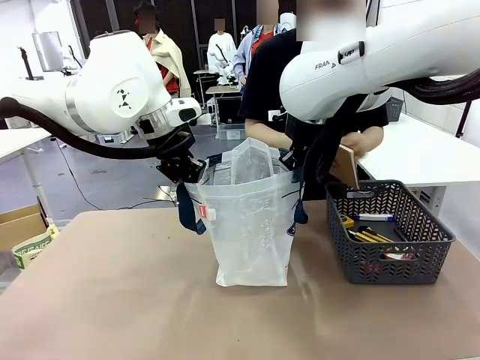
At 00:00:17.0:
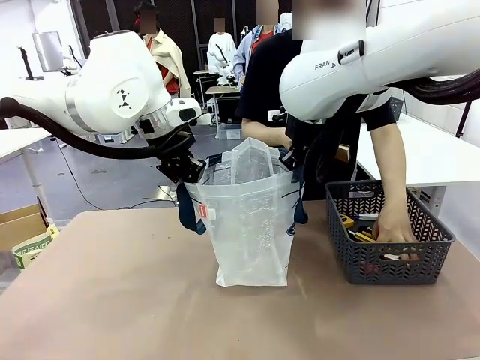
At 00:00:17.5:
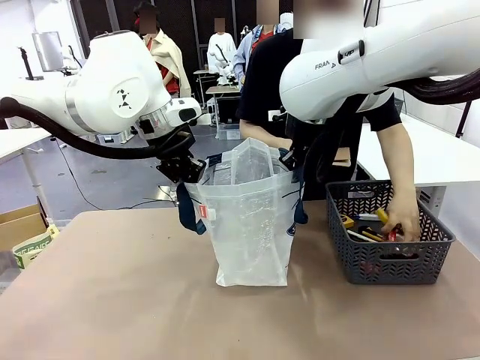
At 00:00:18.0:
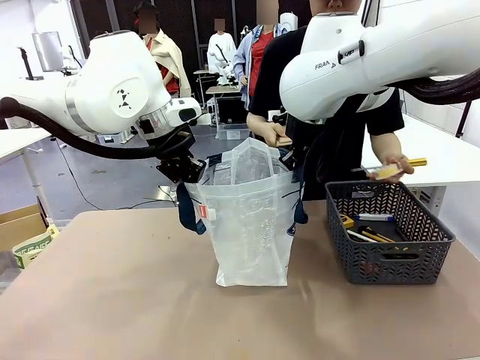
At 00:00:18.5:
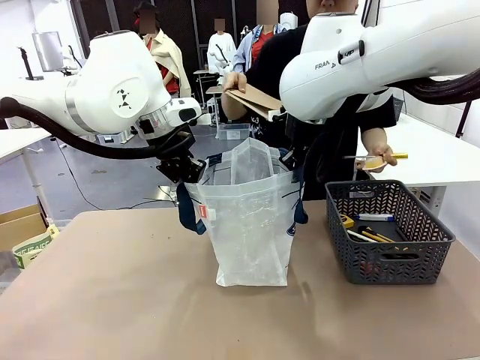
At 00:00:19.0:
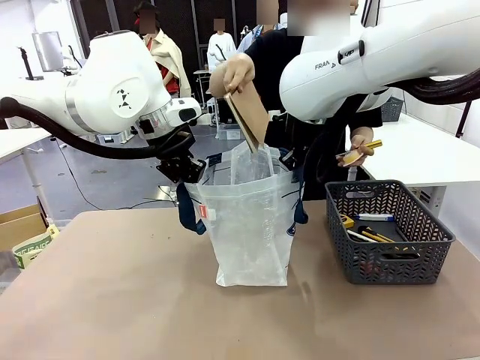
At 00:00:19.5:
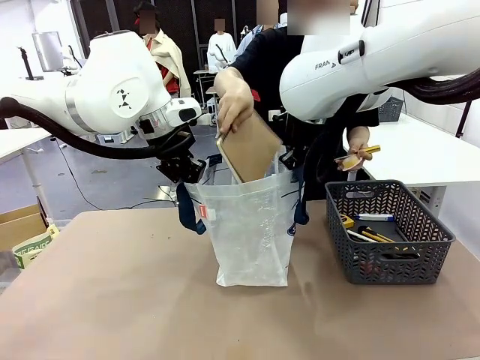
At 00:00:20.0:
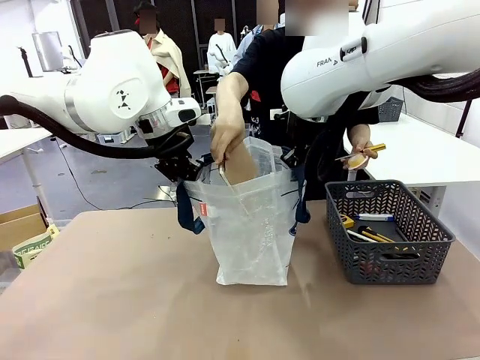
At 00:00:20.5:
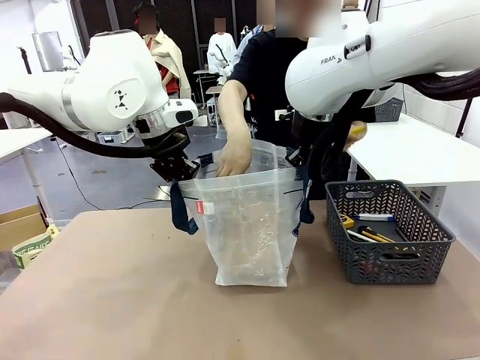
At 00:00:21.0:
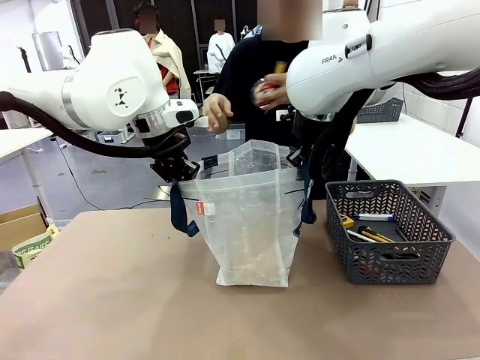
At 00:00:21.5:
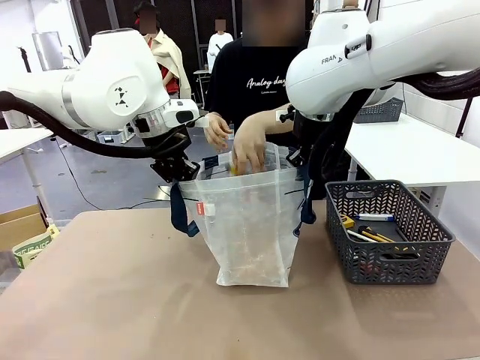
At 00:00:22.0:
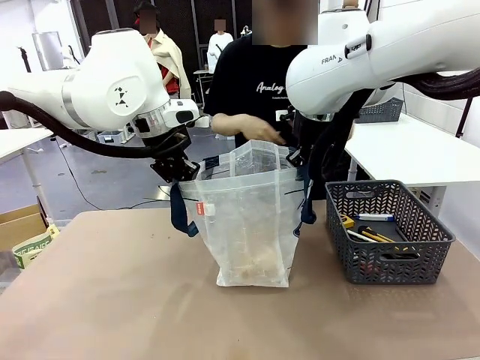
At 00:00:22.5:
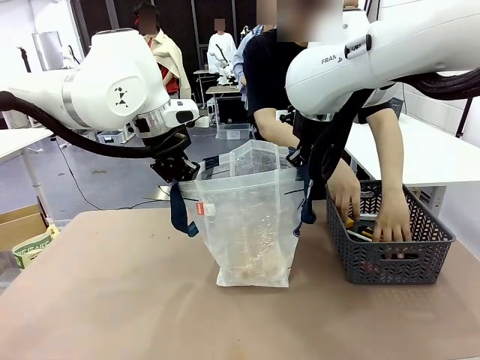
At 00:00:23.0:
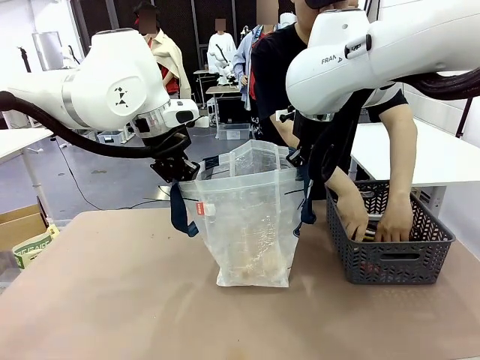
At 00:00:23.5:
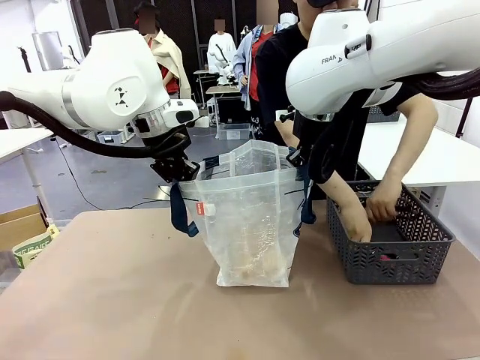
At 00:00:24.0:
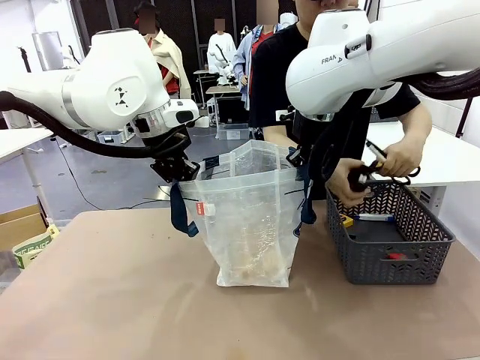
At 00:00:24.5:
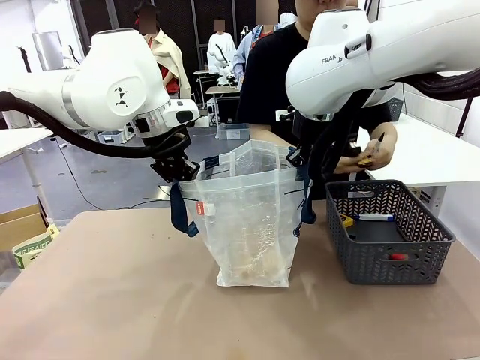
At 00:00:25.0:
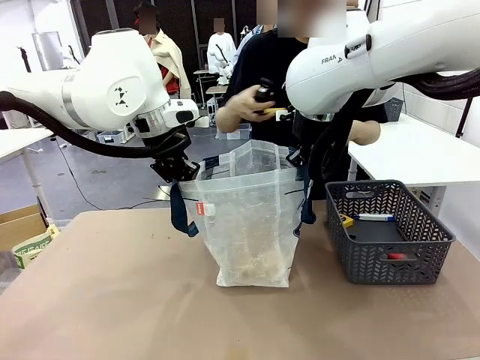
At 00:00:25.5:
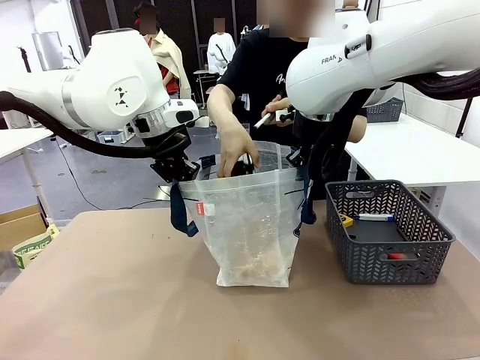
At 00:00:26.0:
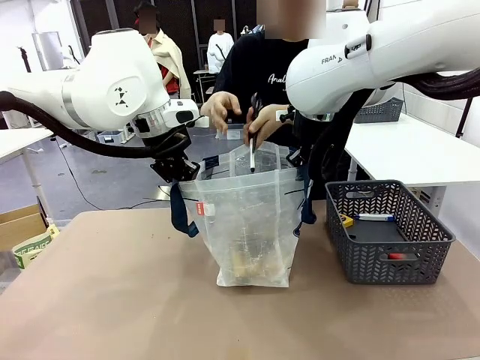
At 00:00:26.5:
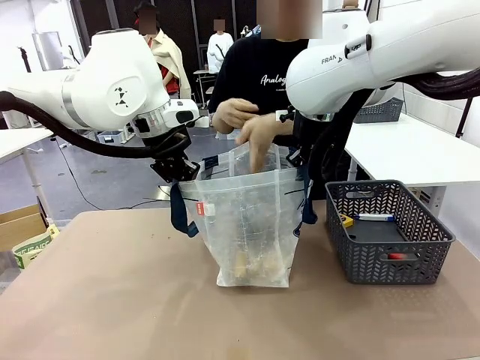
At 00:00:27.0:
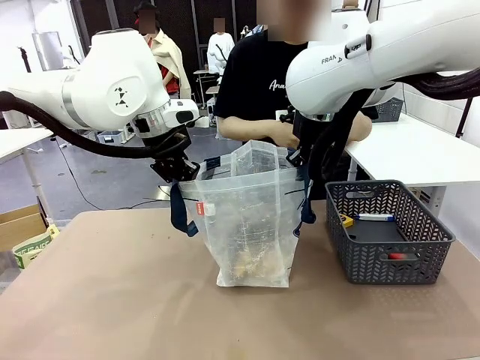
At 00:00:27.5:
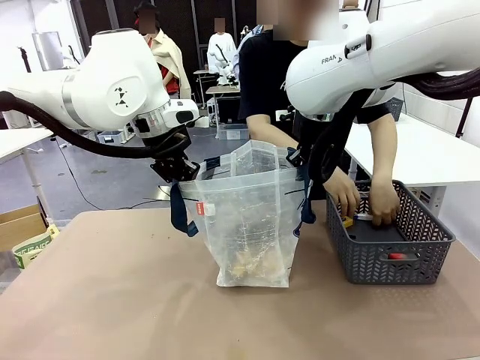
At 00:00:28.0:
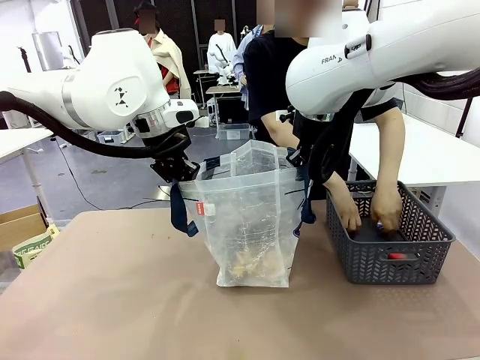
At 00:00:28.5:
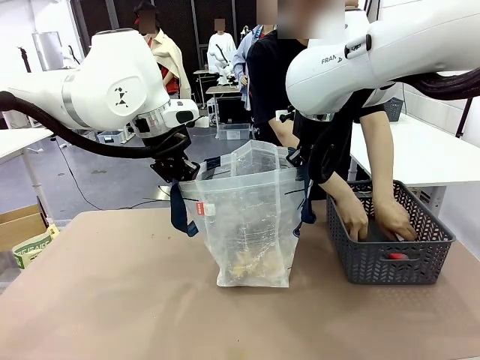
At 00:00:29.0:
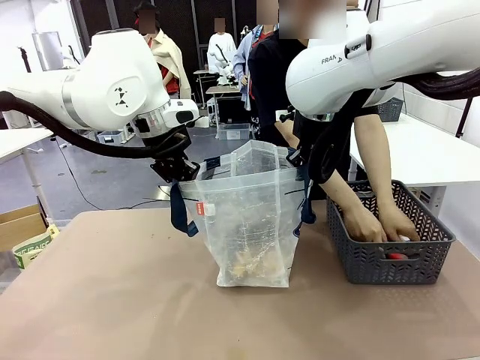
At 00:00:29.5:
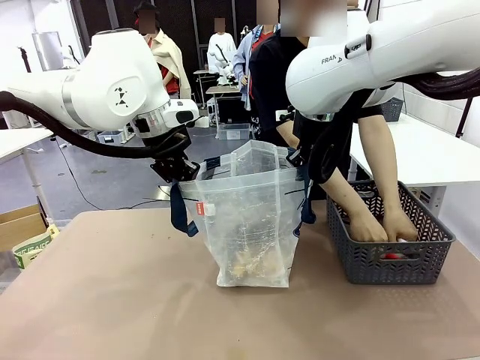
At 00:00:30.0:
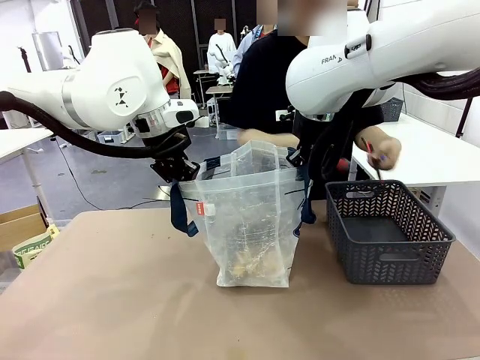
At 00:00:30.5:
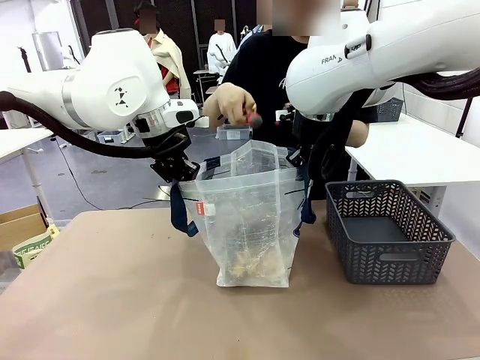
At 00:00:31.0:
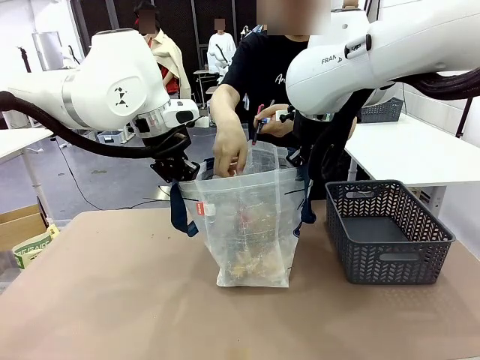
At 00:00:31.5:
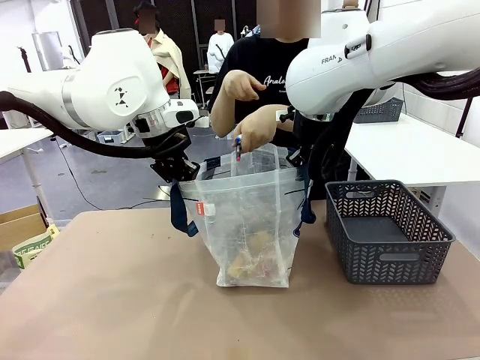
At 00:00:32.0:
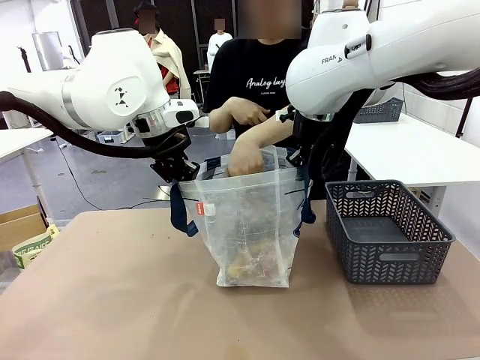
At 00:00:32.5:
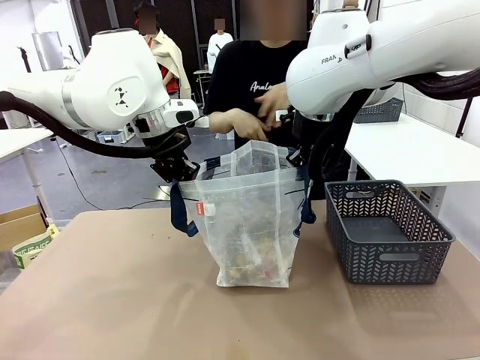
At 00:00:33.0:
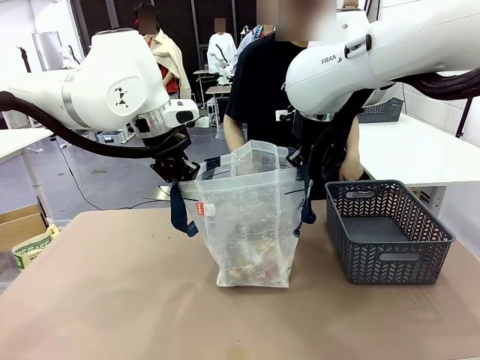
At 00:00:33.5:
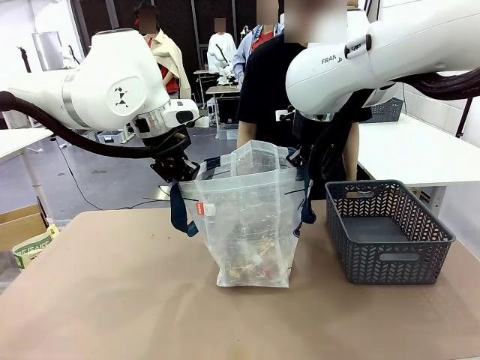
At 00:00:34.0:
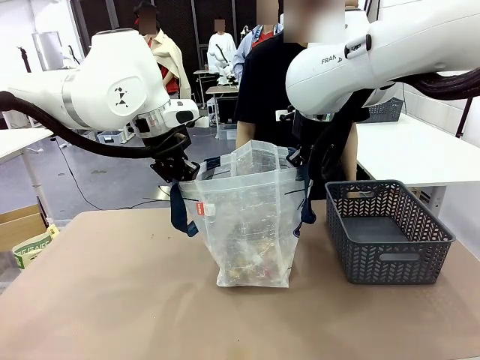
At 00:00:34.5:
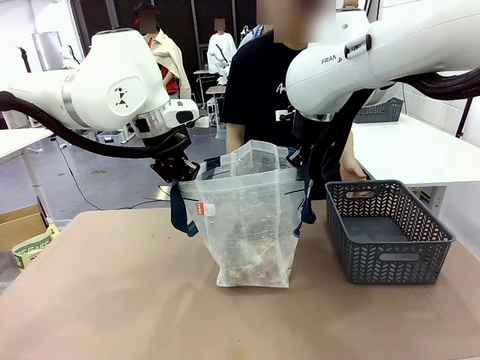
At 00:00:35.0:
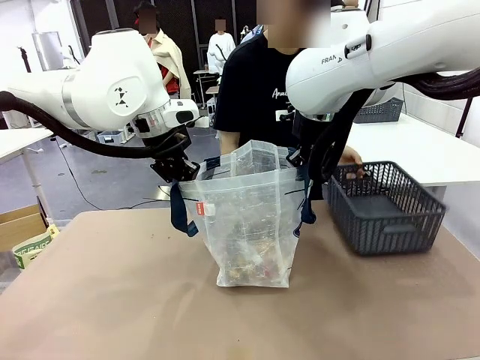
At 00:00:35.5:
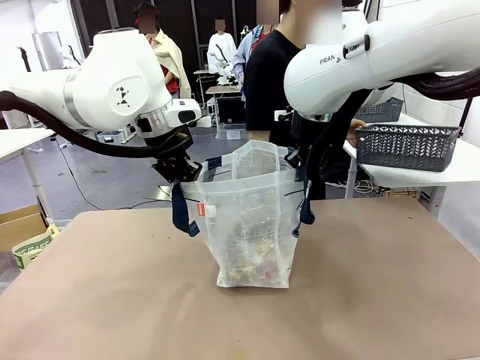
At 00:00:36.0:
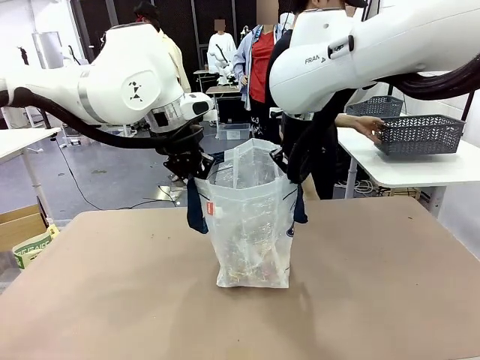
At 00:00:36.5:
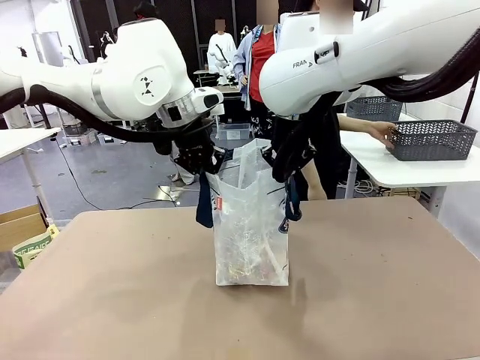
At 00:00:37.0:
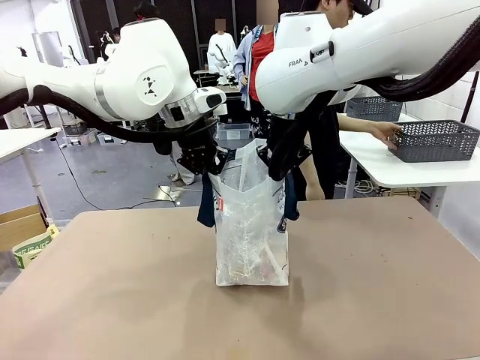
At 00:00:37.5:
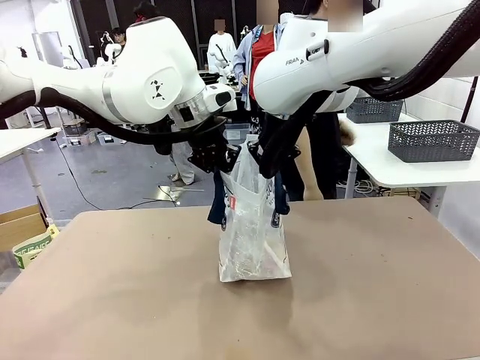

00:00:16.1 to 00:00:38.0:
Task: Transfer purchased items from the store into the shopping bag.
Robot: Move the Reusable shopping bag to the right side of the table.
Person: Pick up the basket on the right, place it on the left side of the robot table, and move the items in the basket to the shopping bag. Pick up the basket with the items out and place it on the right side of the human table.
